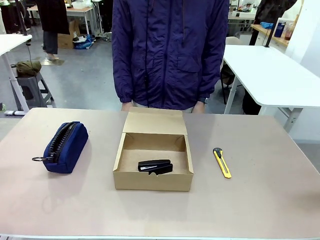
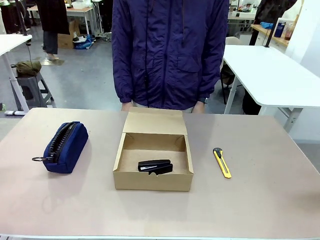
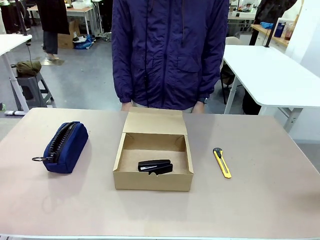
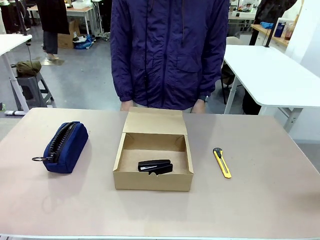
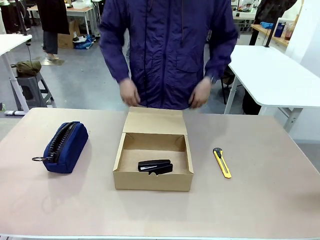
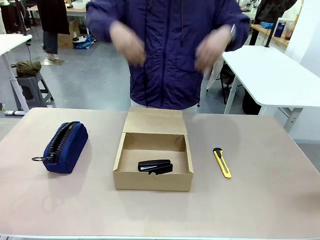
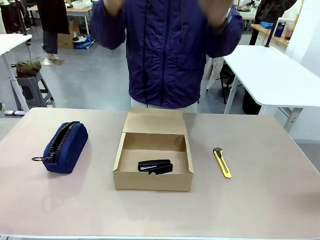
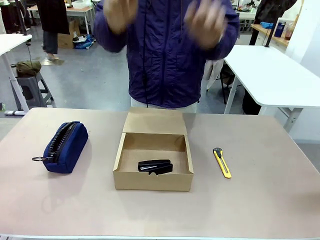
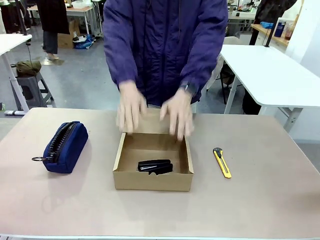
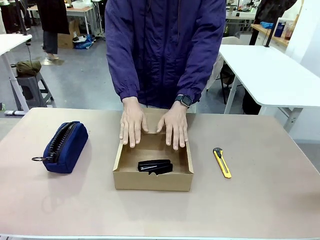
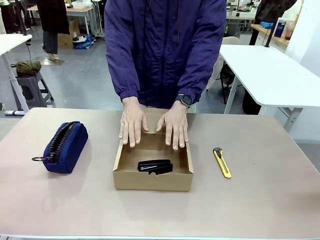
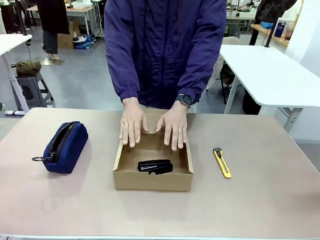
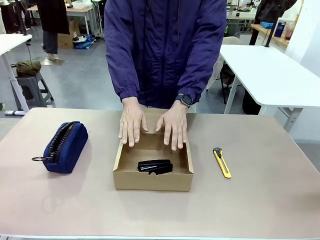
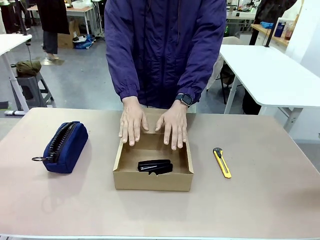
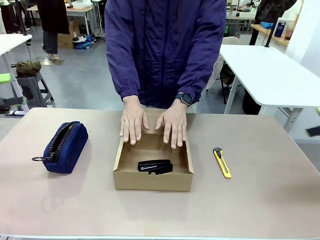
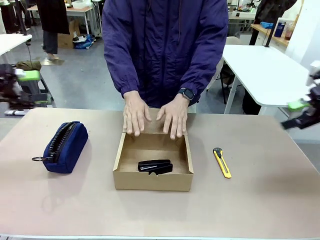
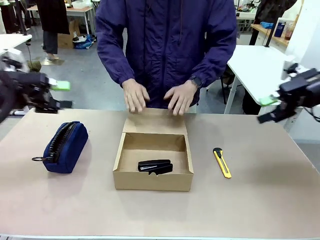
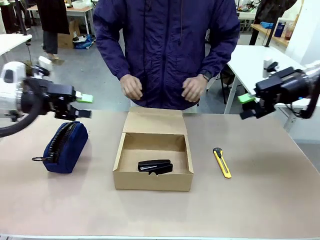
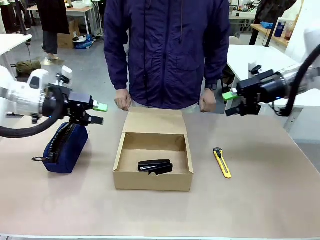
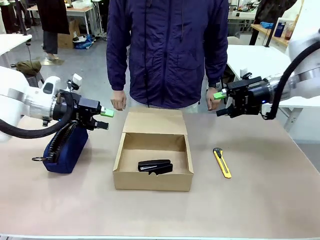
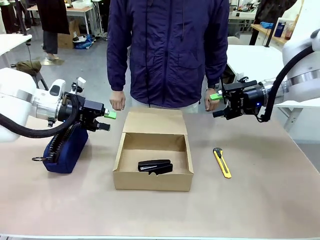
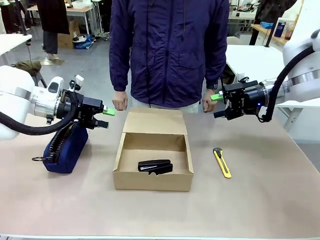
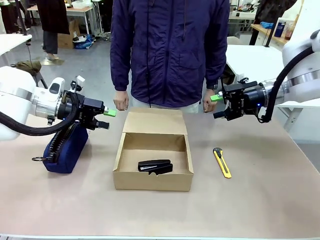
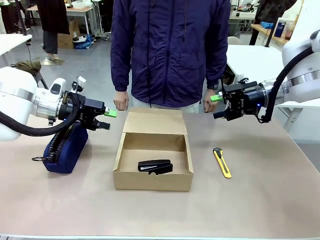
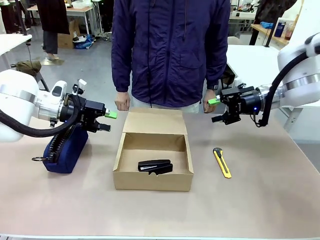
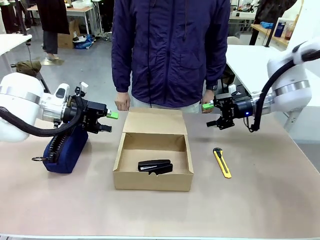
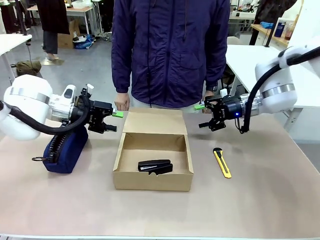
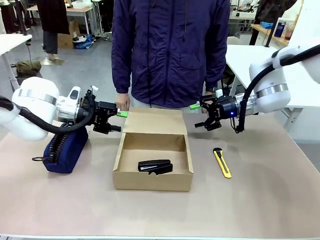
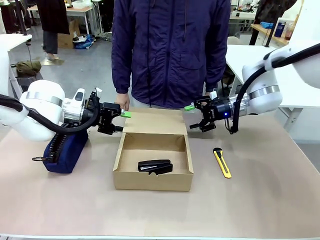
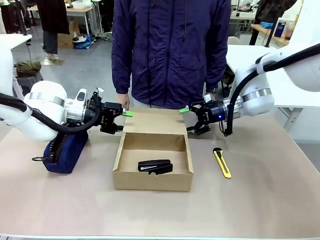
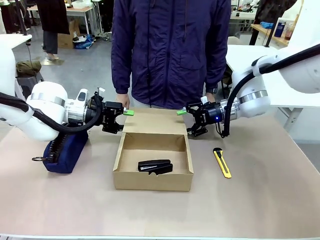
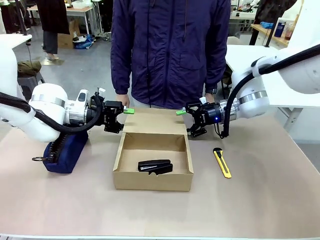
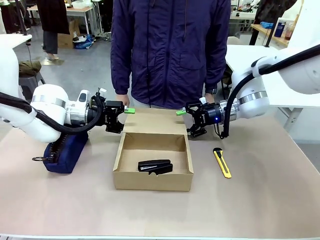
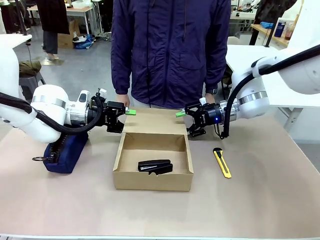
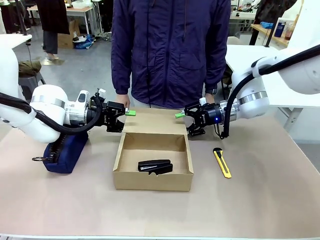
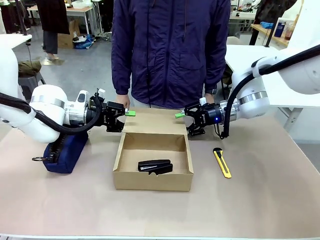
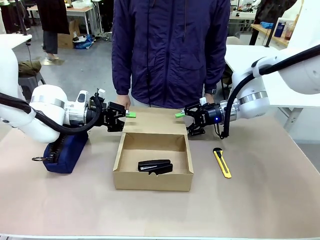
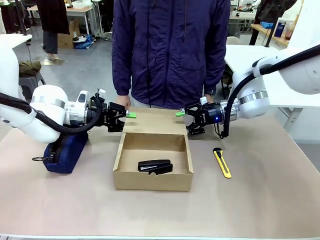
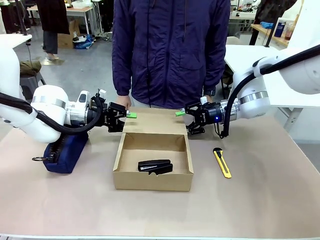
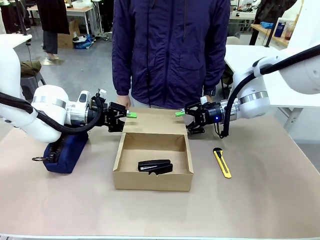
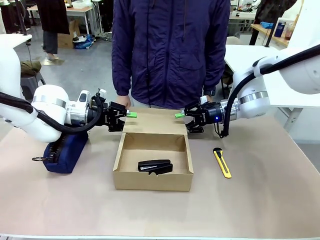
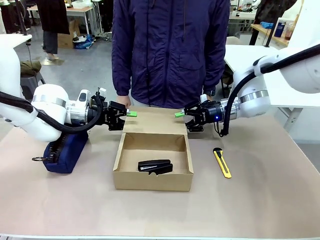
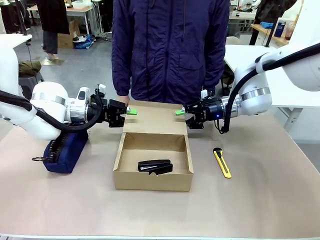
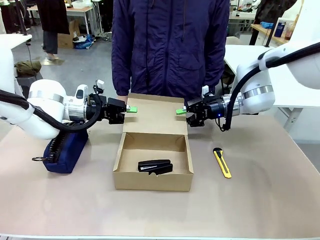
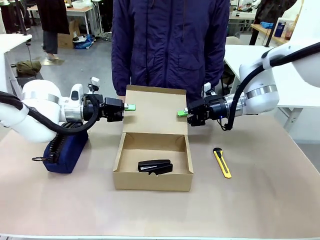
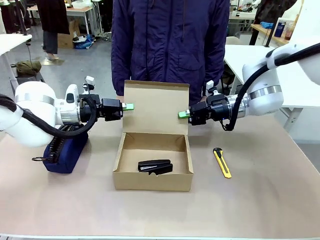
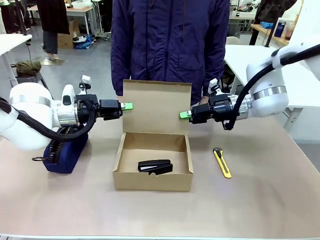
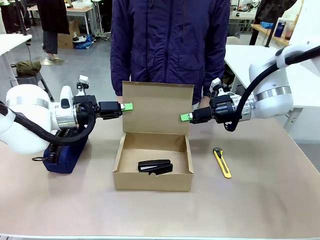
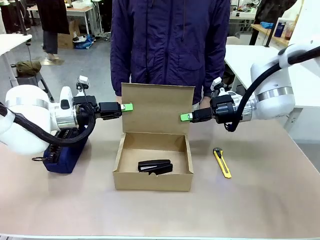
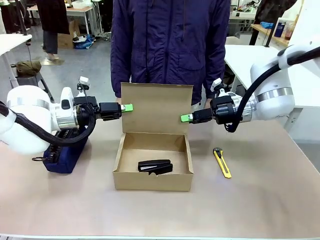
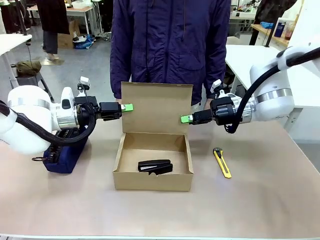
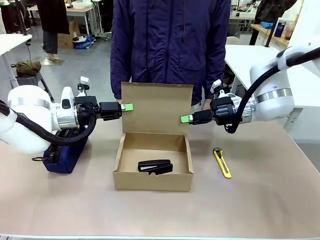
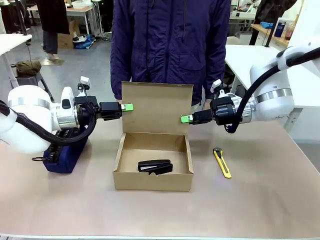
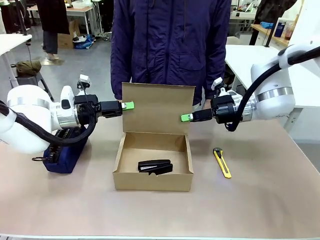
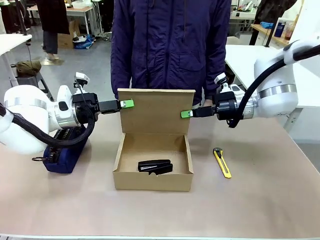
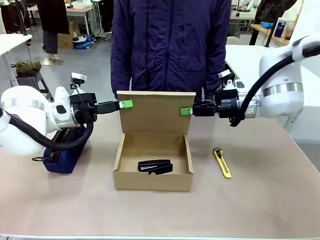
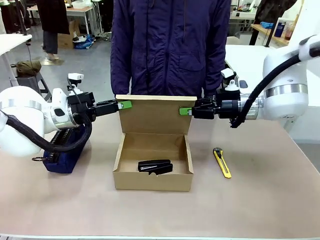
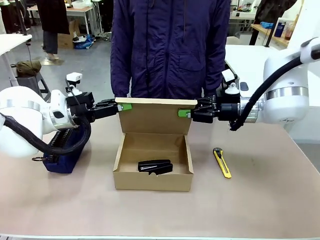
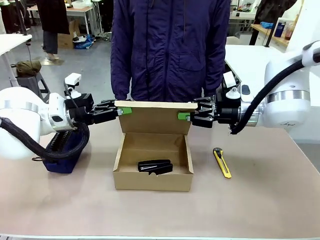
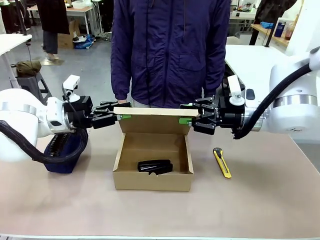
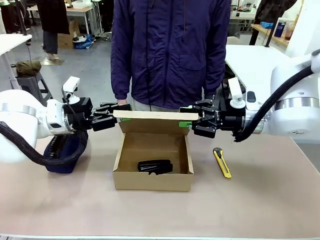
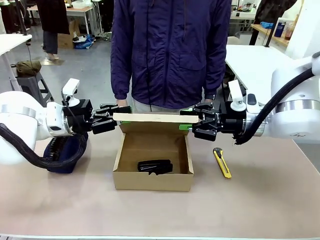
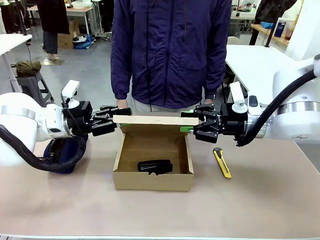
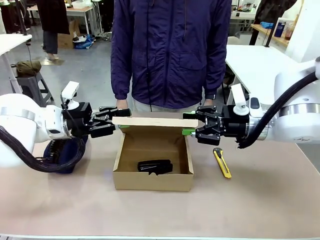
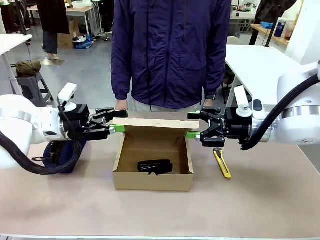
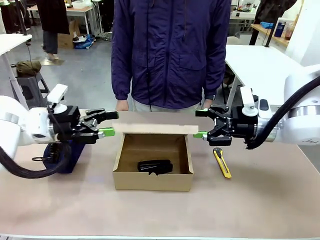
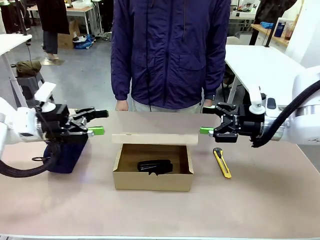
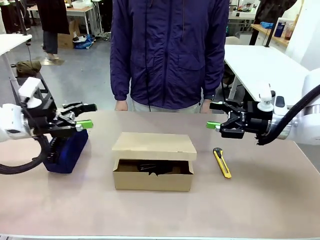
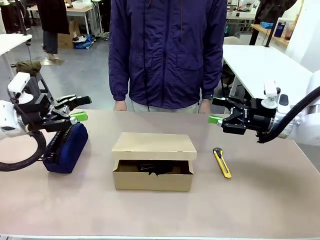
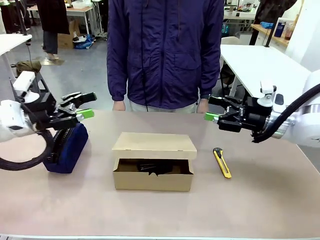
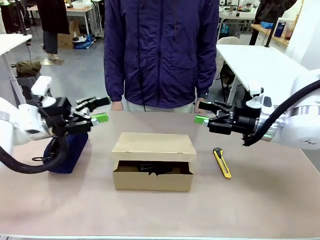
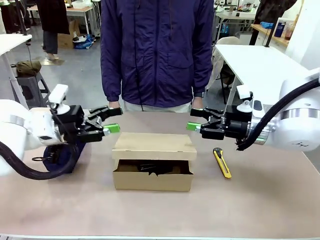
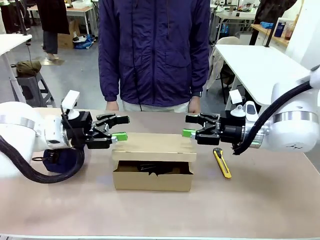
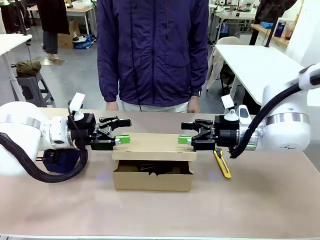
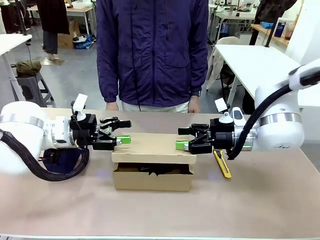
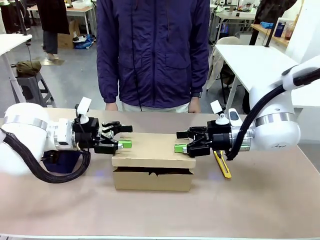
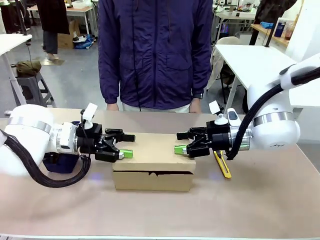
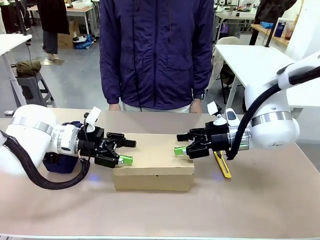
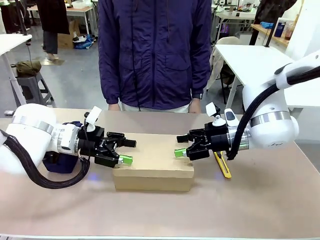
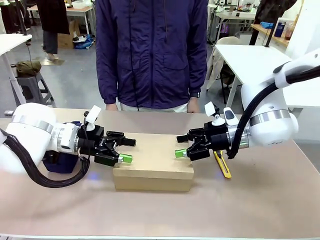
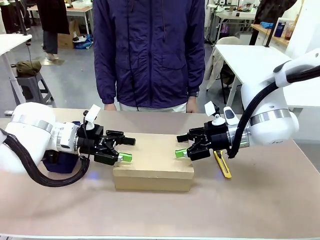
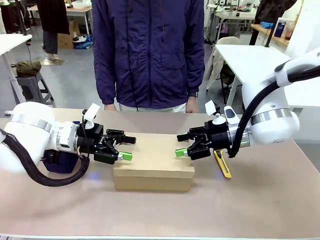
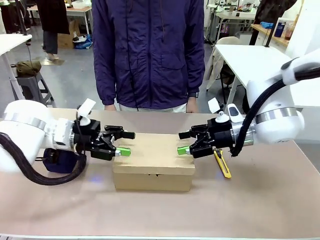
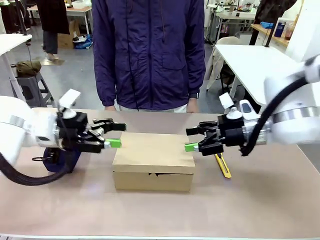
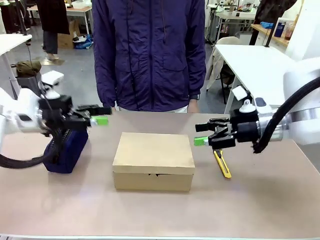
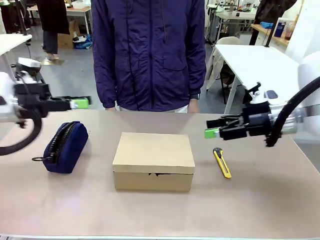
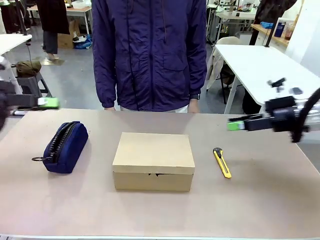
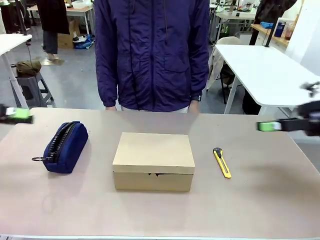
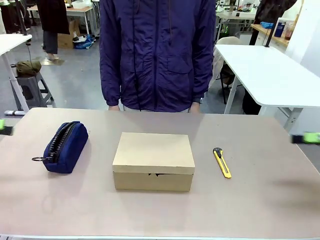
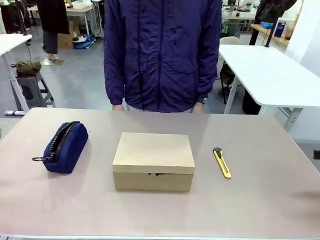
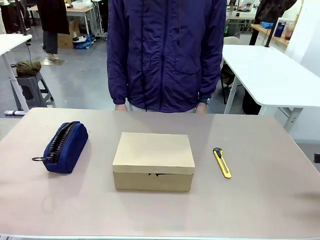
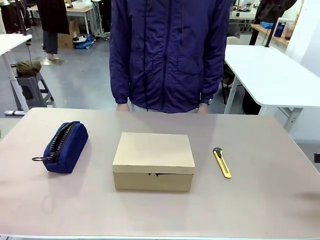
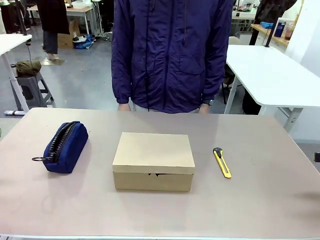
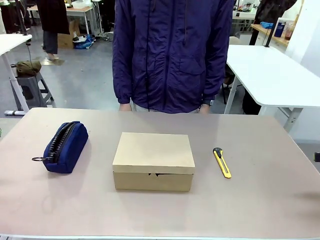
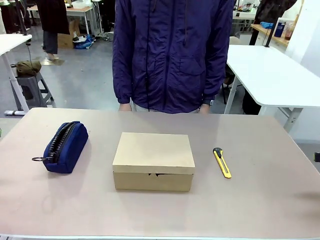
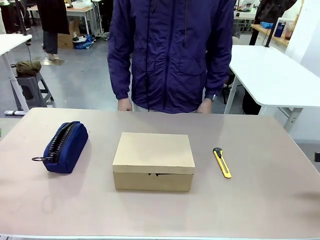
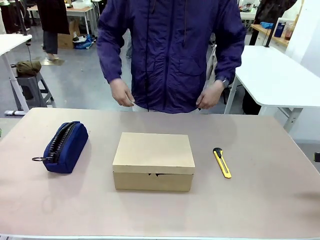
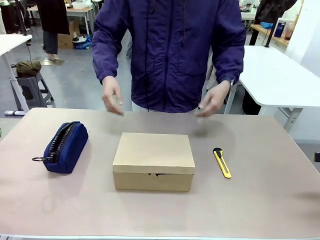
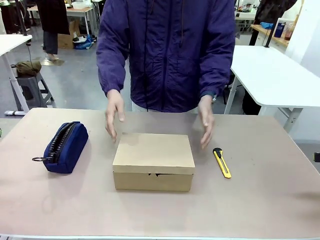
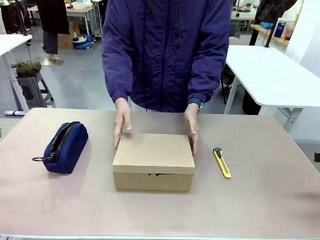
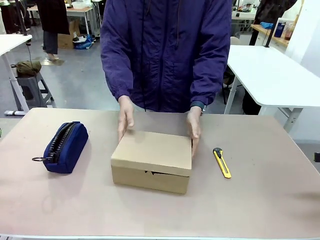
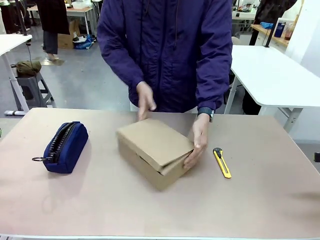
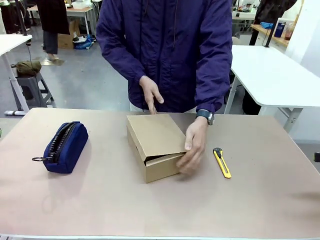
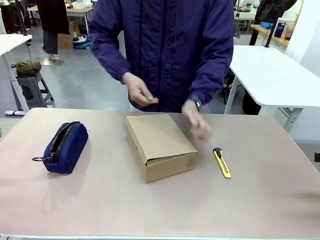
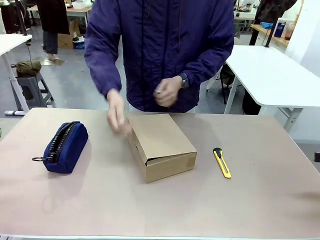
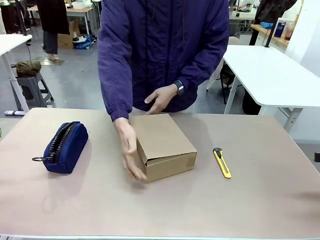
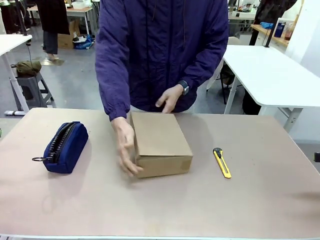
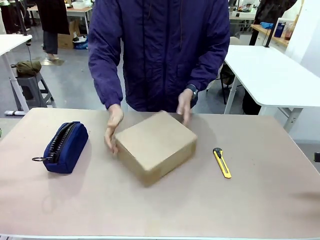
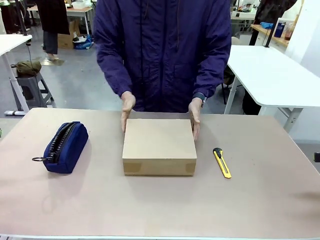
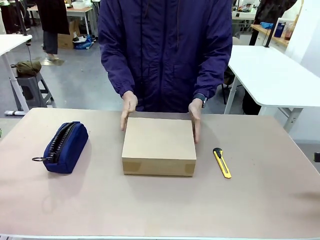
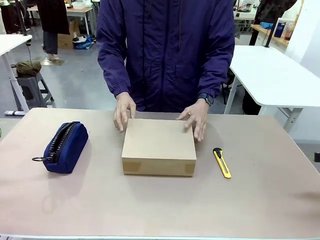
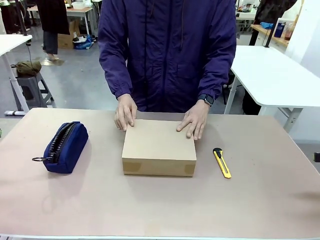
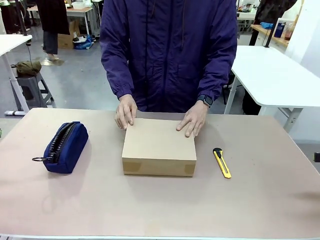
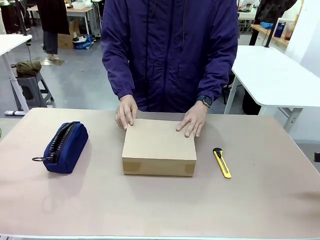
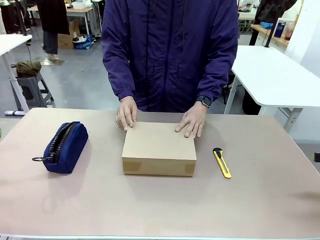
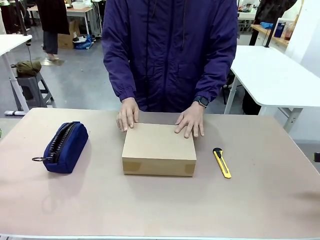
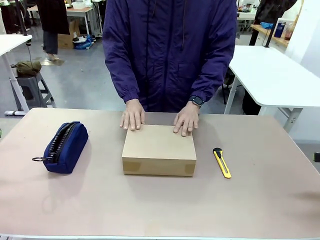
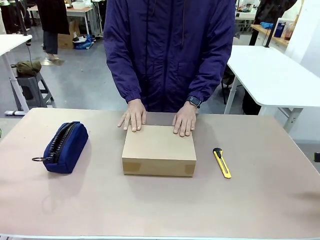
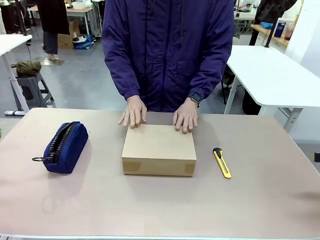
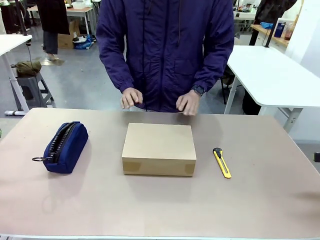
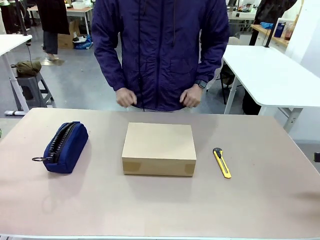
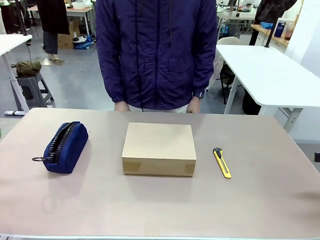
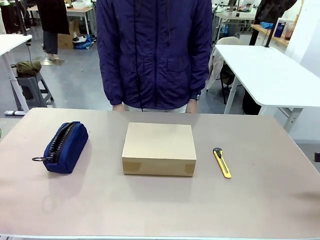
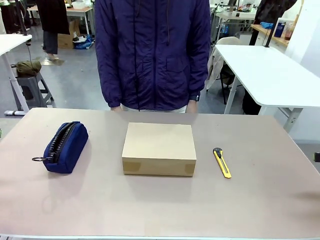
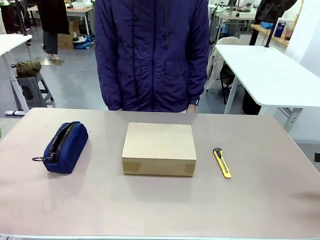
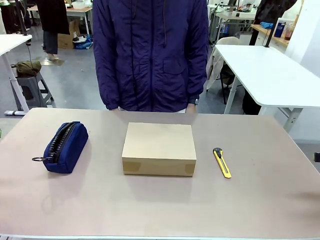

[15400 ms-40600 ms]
Task: Pack the item into the box.
Robot: Close the Mailer Box.
Person: Lower both hands vertically with palms facing downward, as if pressing something closed. Turn the box and lock it.
